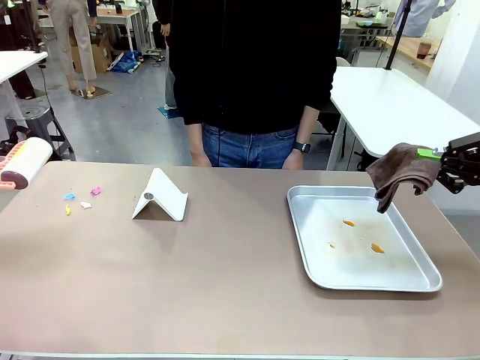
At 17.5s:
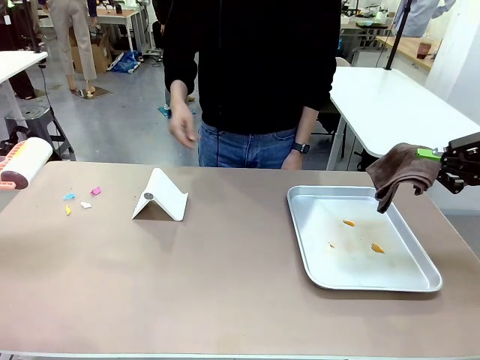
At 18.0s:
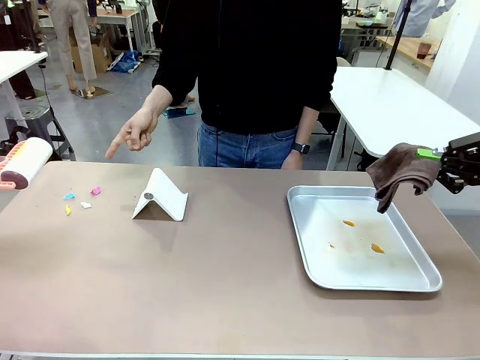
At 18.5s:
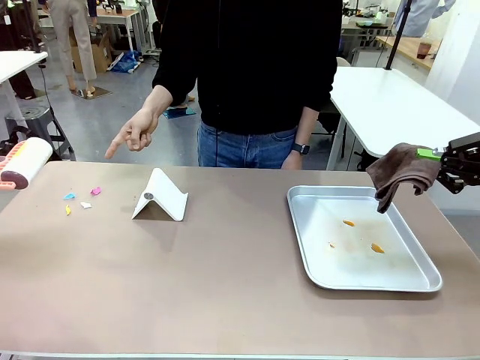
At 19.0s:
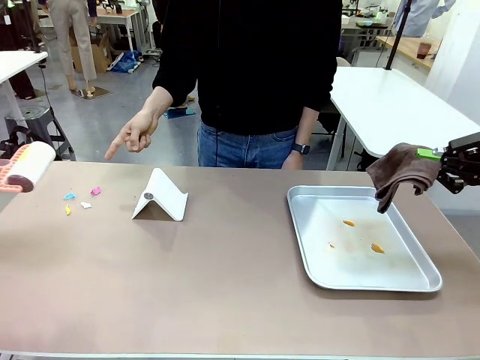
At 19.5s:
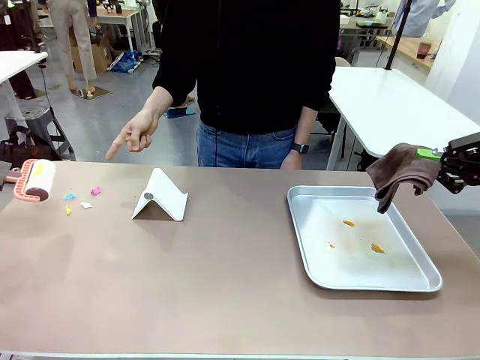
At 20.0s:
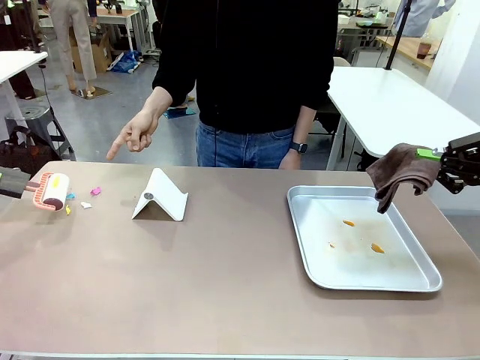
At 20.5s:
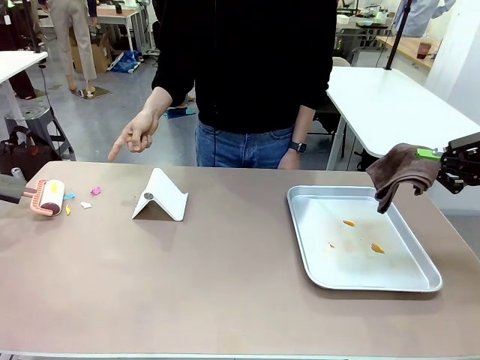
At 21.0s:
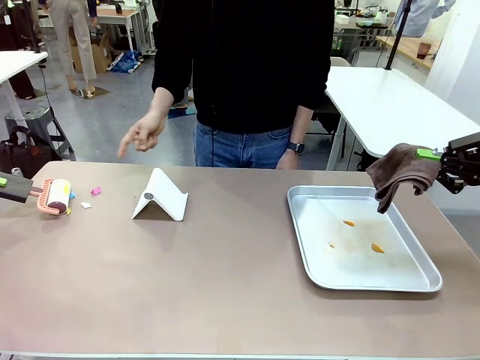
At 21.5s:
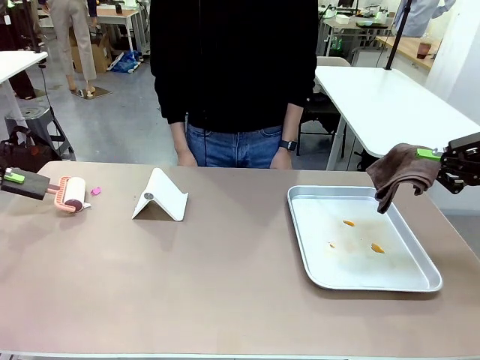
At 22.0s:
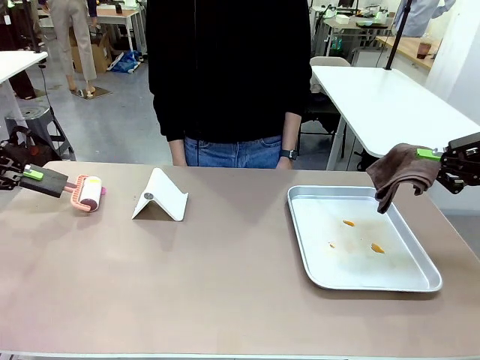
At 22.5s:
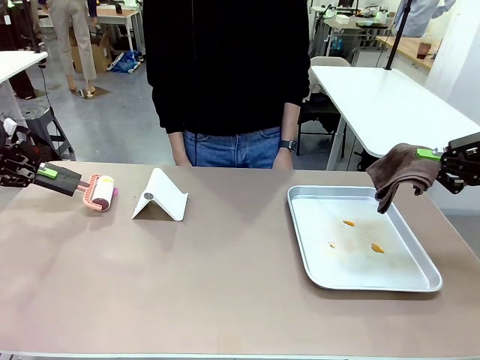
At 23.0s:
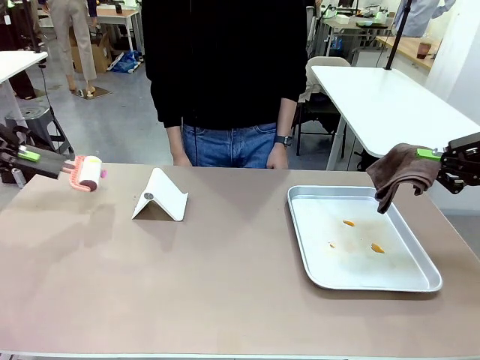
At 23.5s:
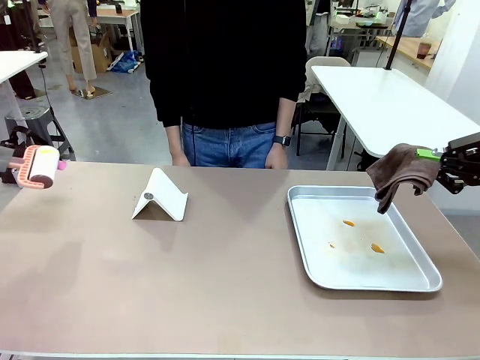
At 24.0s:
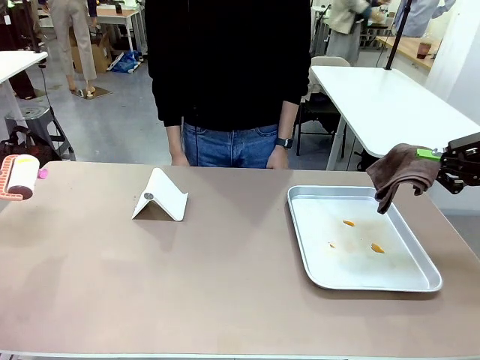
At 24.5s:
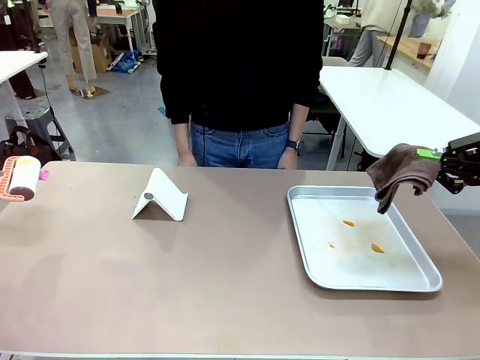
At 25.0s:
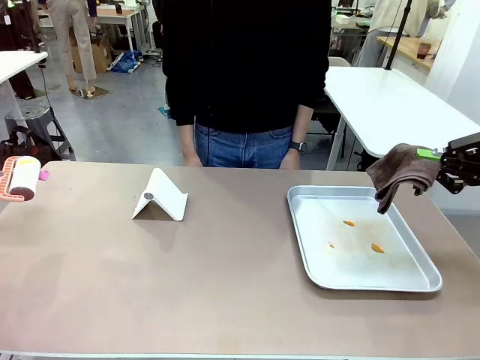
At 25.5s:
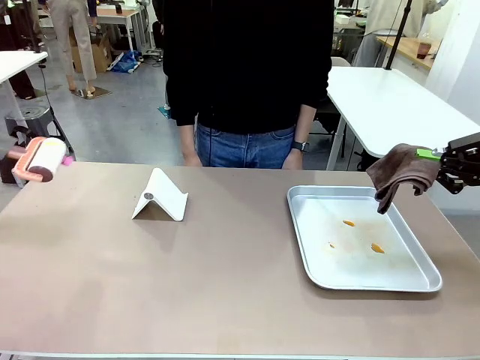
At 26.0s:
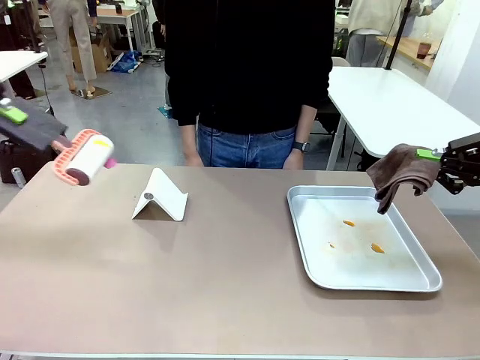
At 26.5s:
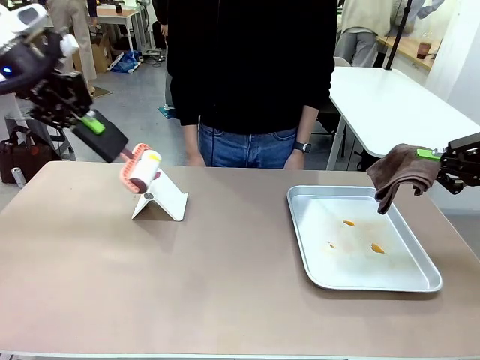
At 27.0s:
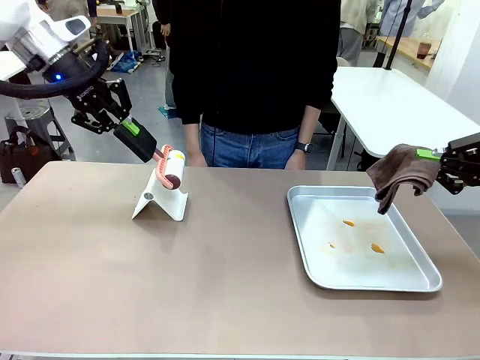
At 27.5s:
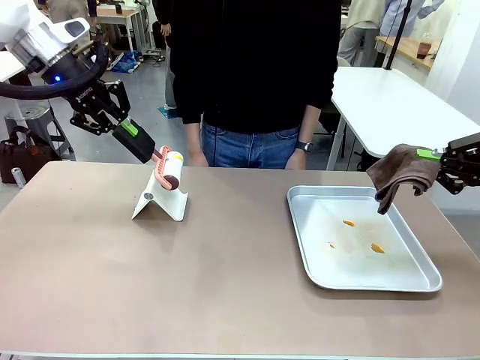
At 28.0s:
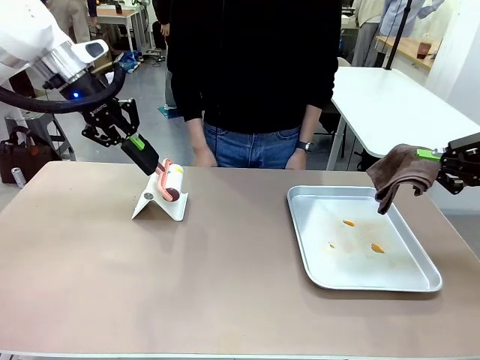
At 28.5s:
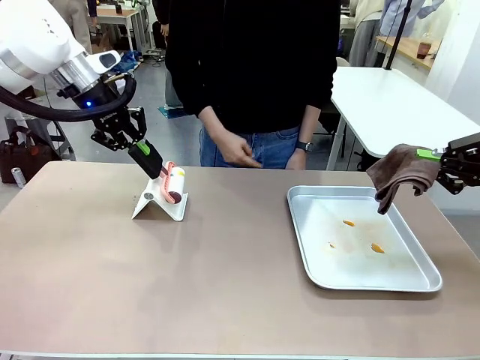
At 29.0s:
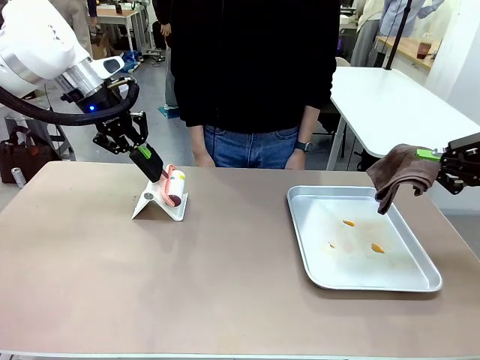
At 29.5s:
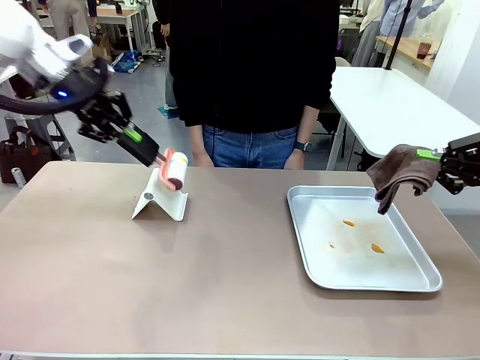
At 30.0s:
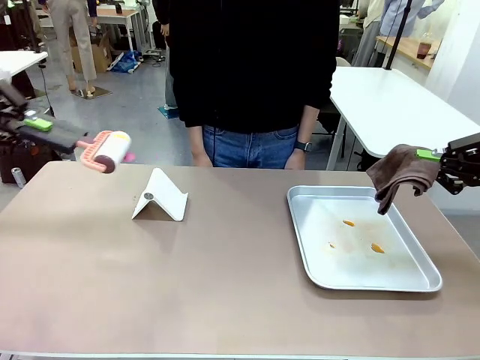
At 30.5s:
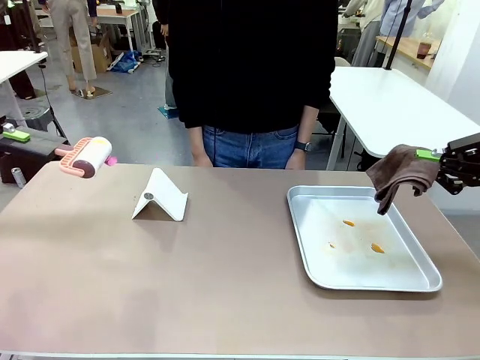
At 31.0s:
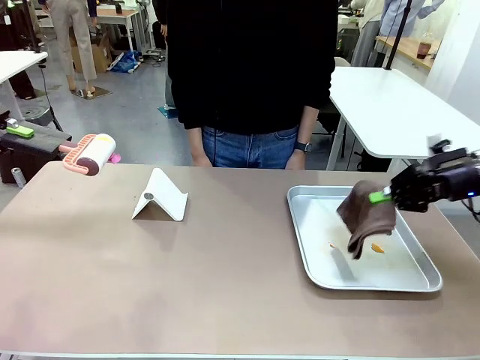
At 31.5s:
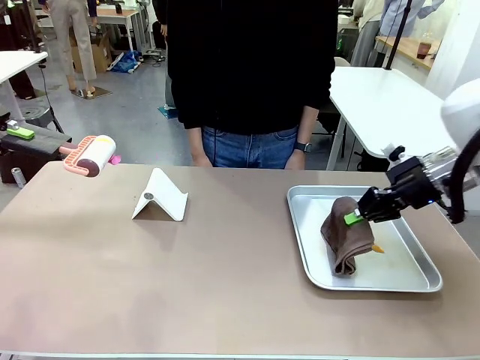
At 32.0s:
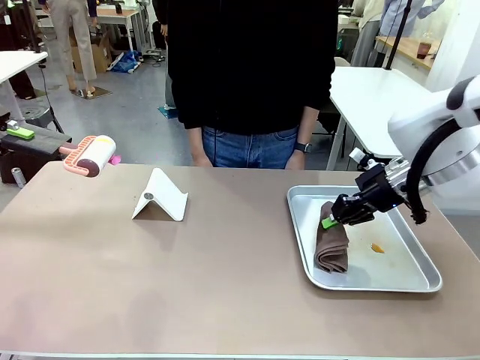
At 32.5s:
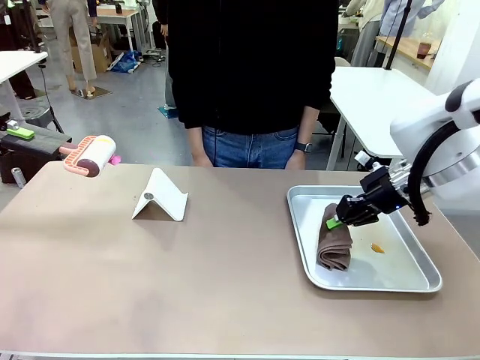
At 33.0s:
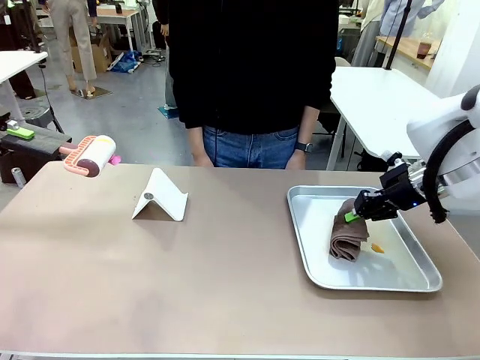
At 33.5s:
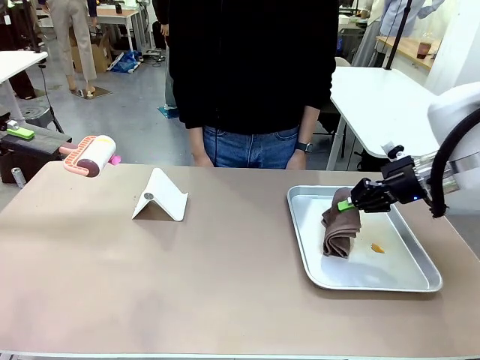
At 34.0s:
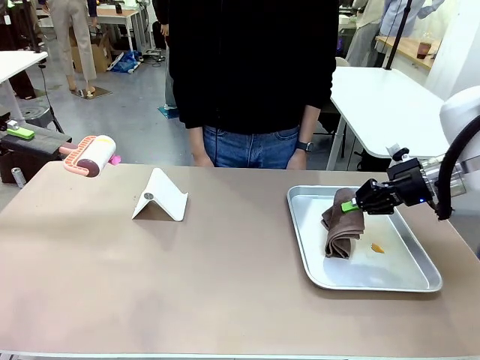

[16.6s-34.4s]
Task: Clean the surface of the table.
Robot: If a person points to the right, clean the right side of the table with your right hand, and if they point to the left, clean the left side with your left hand.

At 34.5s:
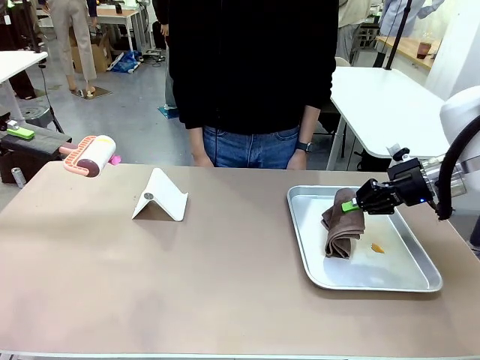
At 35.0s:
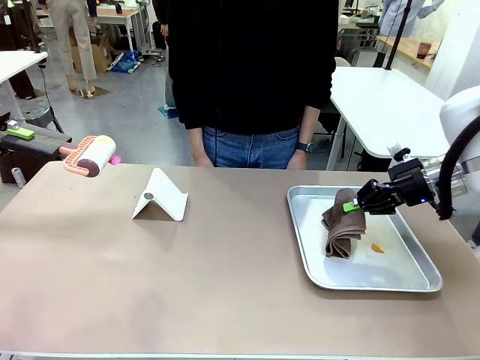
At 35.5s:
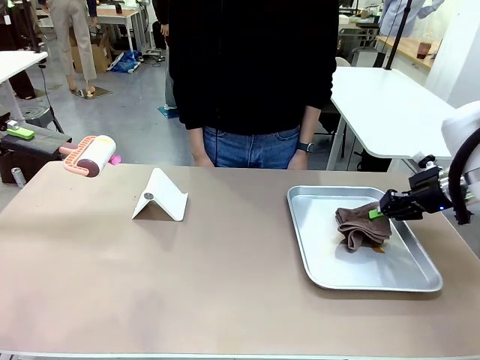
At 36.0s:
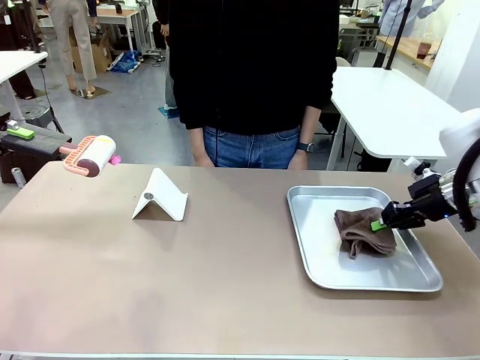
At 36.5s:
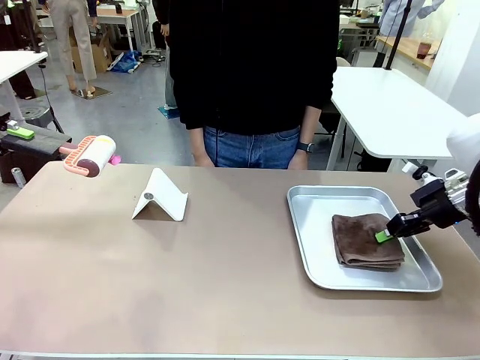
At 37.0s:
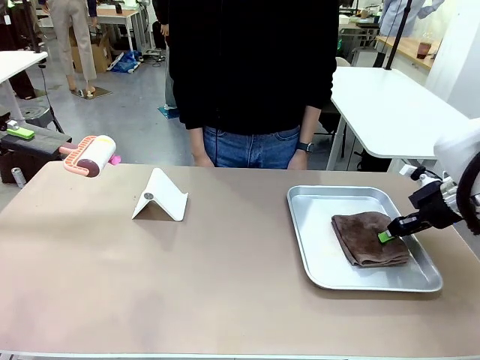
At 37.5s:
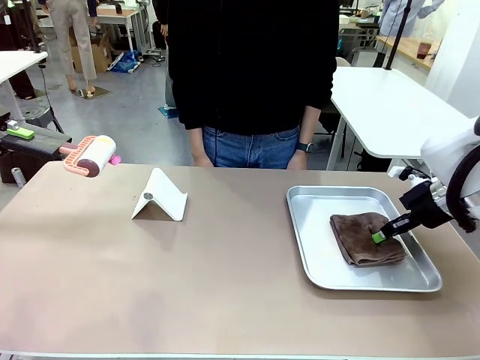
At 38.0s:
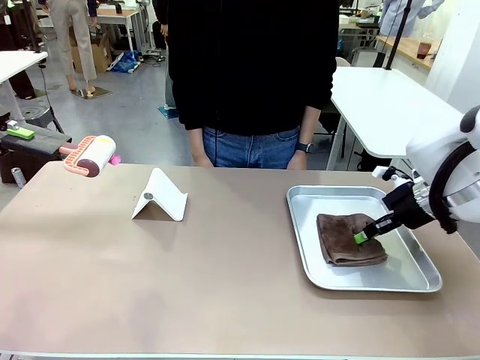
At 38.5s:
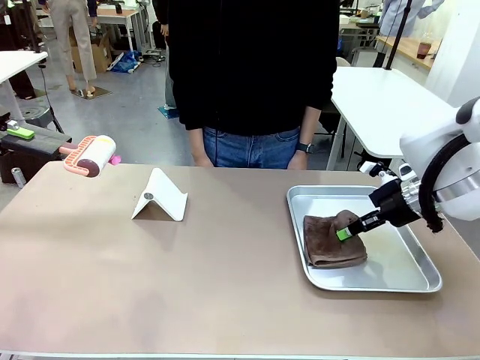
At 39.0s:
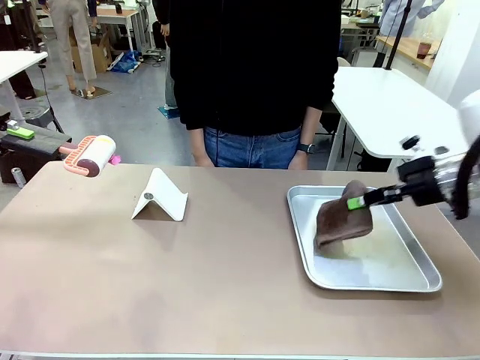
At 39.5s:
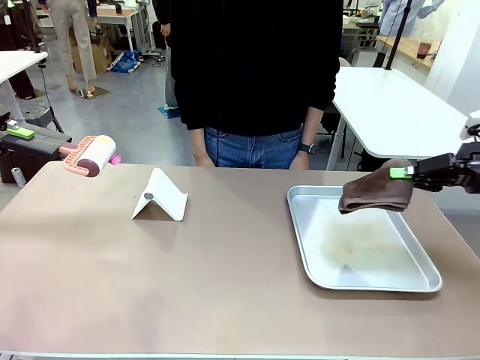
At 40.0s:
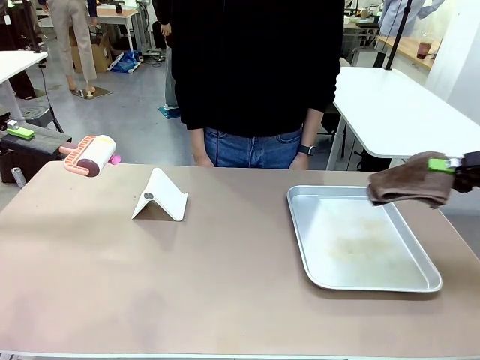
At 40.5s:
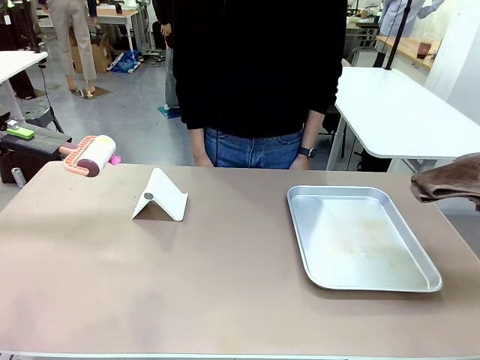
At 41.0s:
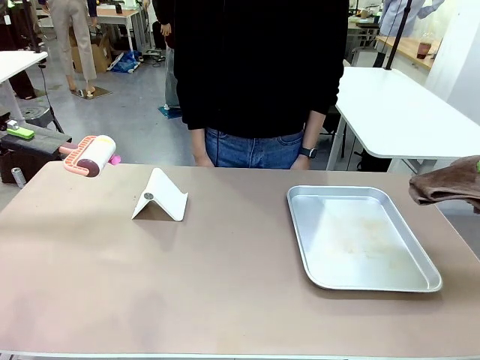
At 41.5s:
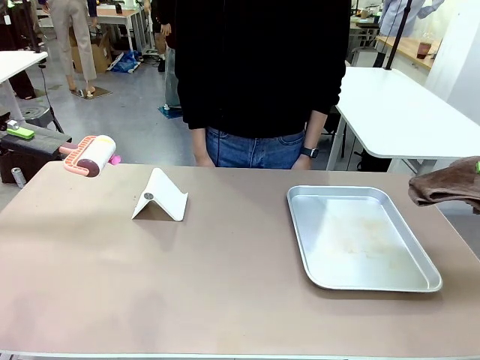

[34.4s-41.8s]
Robot: Clean the area not pointed to by the person.
